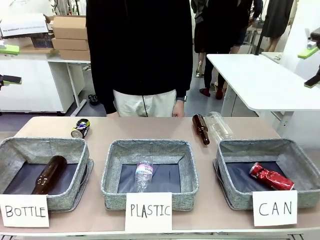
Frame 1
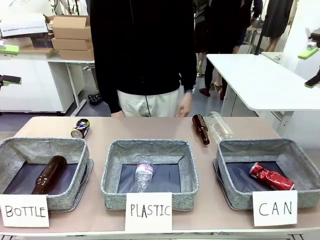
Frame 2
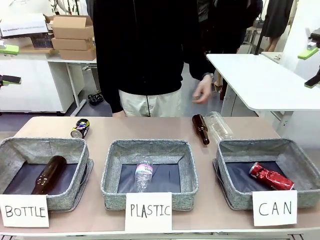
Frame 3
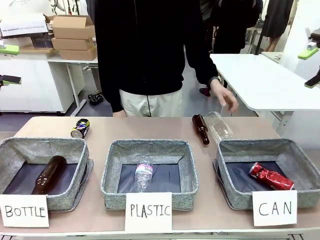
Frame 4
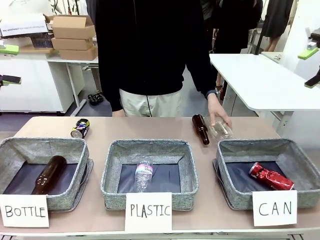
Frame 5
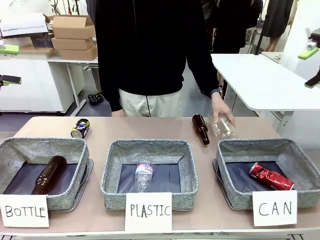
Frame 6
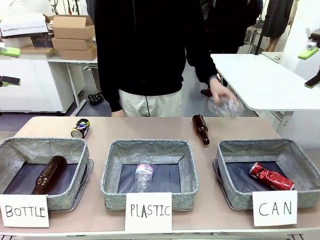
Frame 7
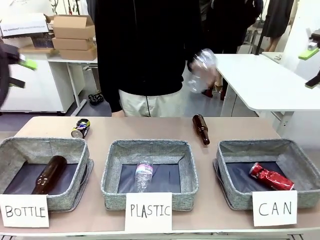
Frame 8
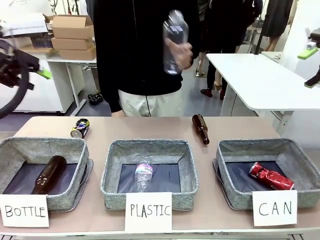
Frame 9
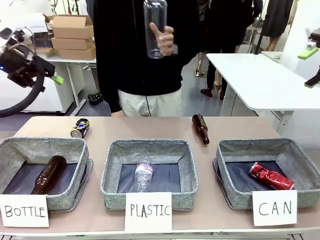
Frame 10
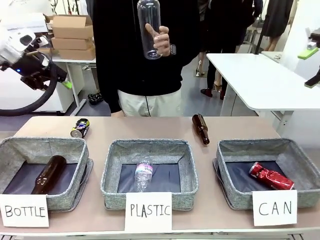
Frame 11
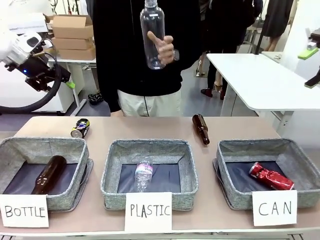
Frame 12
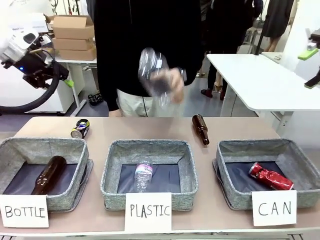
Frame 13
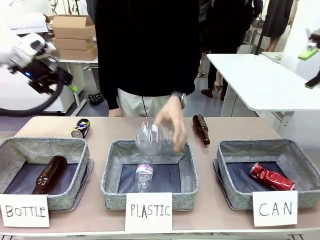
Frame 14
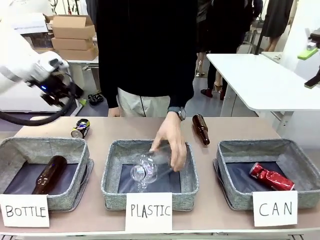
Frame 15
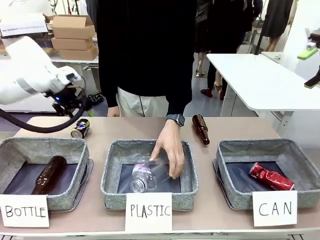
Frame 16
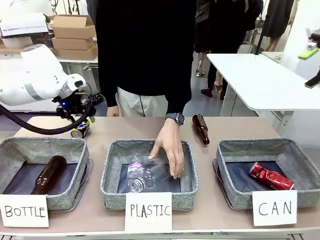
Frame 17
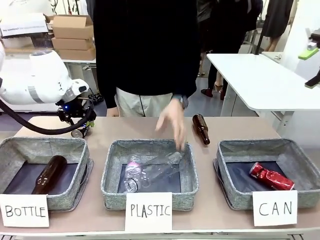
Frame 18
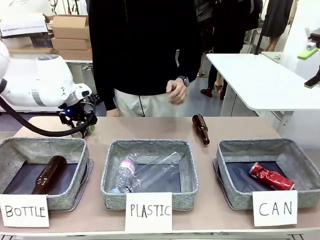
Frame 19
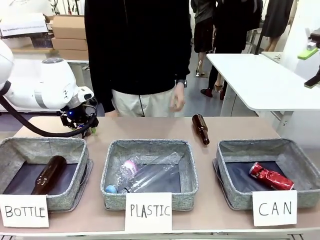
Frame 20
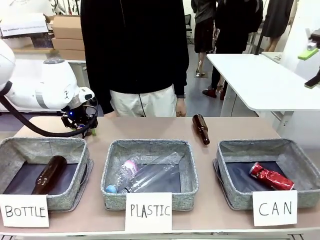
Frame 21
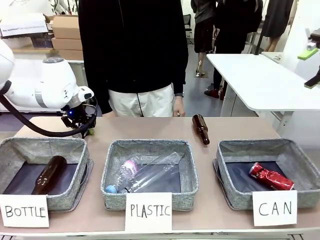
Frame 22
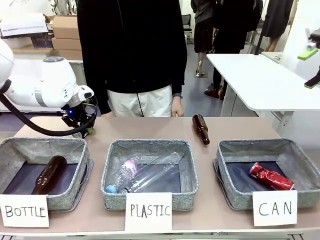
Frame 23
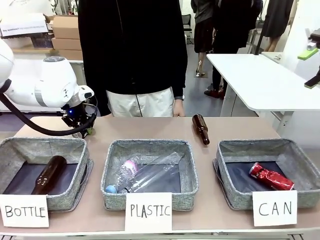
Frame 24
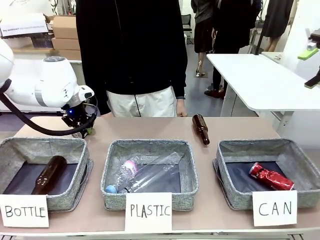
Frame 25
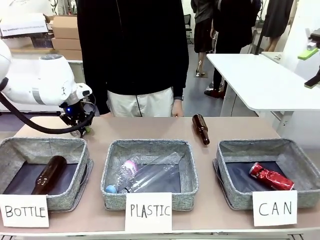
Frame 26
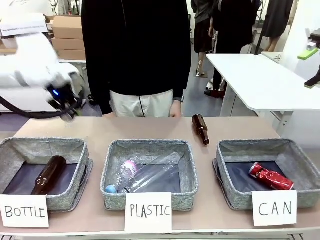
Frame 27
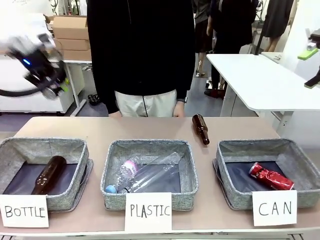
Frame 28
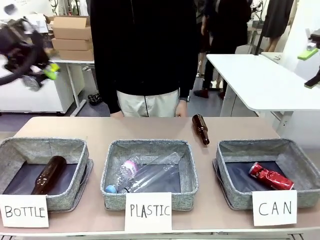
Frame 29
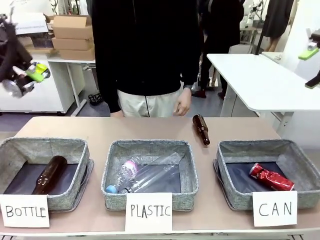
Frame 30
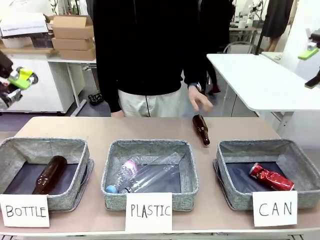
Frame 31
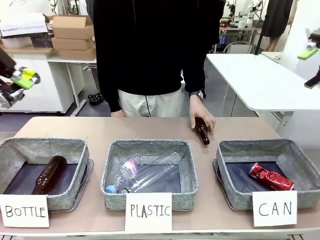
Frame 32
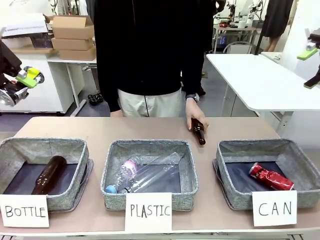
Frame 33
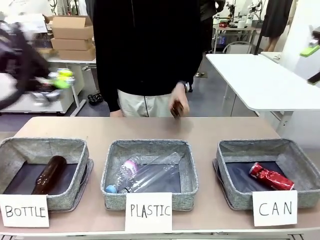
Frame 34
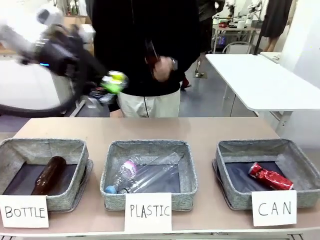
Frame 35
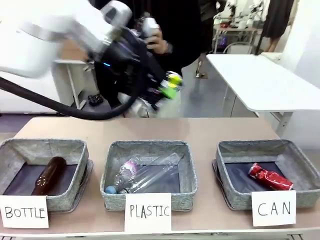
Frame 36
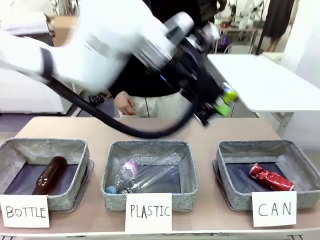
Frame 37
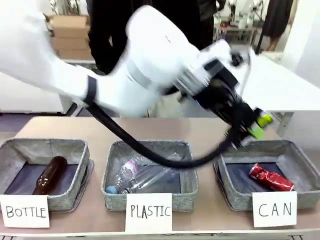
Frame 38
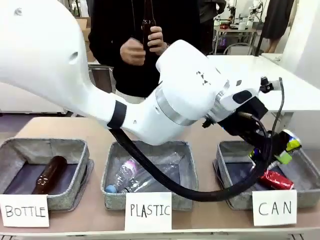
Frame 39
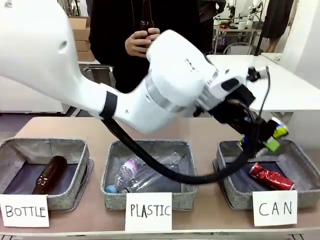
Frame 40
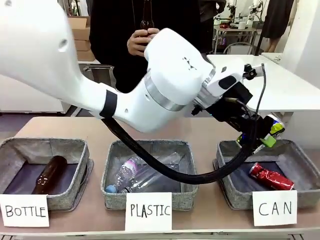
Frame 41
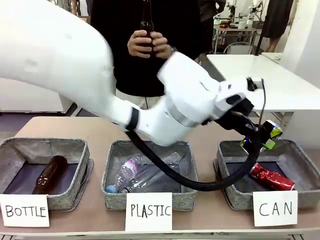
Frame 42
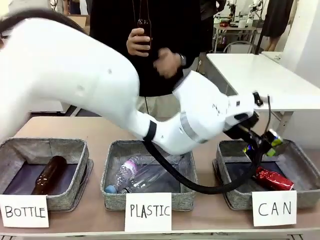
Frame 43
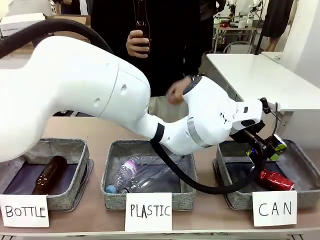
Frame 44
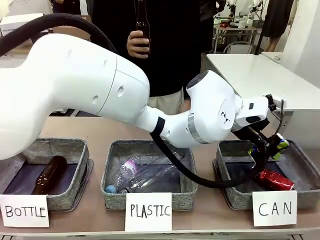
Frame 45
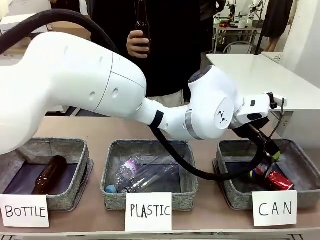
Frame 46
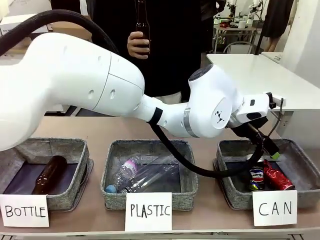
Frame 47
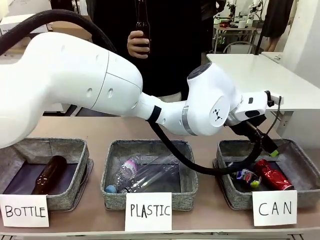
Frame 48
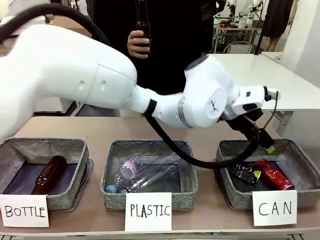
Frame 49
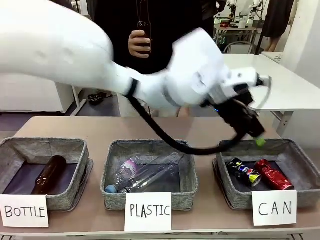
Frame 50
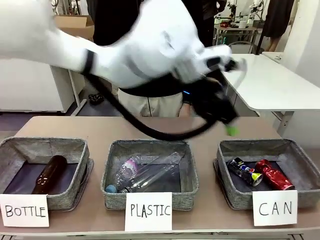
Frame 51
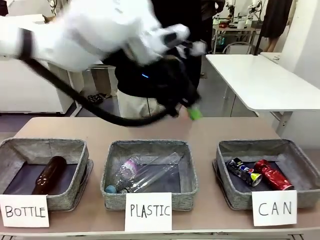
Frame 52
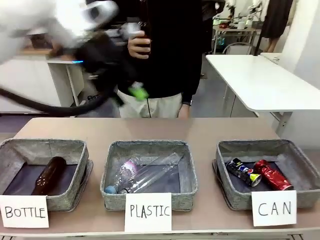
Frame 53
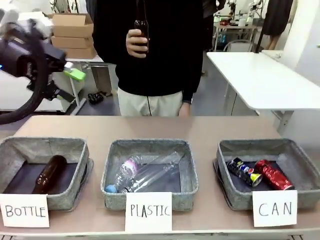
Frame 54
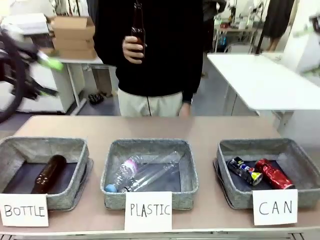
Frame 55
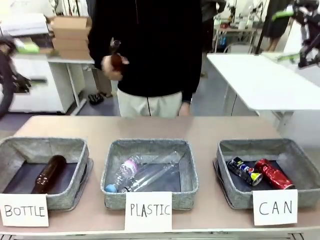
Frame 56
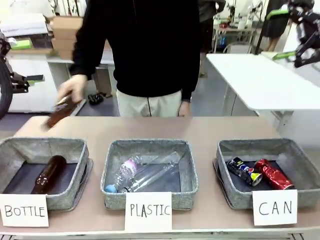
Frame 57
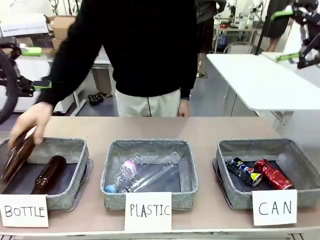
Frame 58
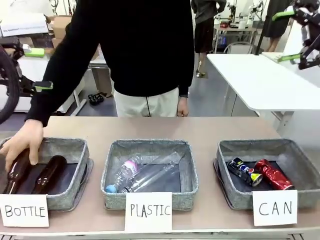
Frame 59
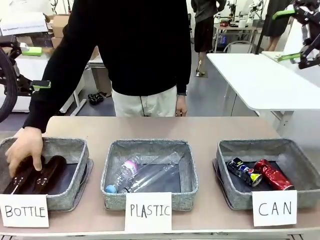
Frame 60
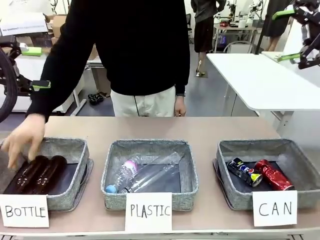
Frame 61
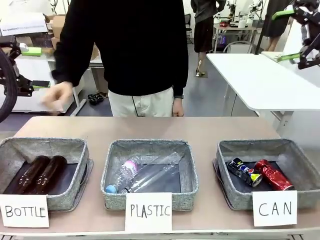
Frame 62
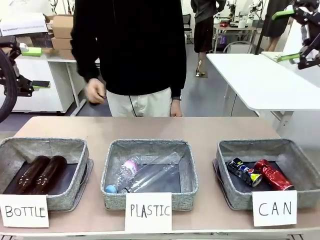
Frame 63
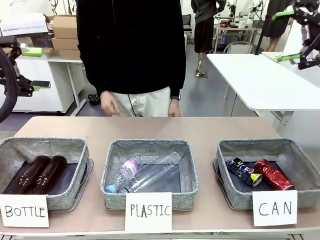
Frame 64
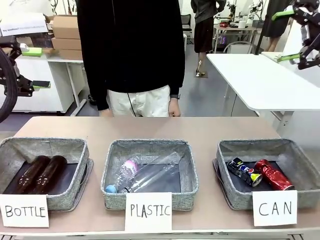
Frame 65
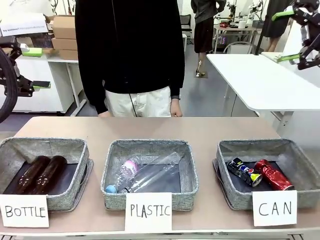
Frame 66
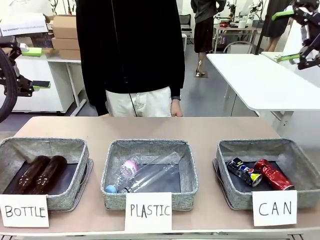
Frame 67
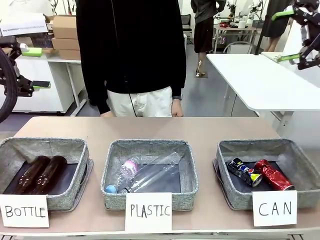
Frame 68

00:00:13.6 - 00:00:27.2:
Task: Sort the can waste into the basket.
Robot: Pick up the can waste from the table and place it in the right Fabric basket.
